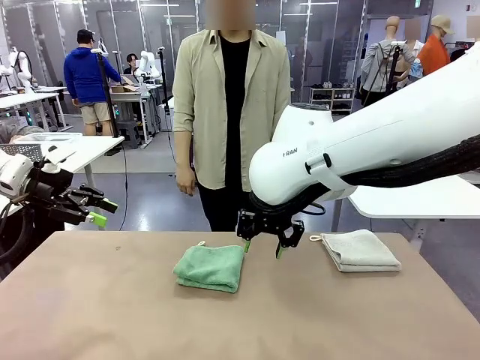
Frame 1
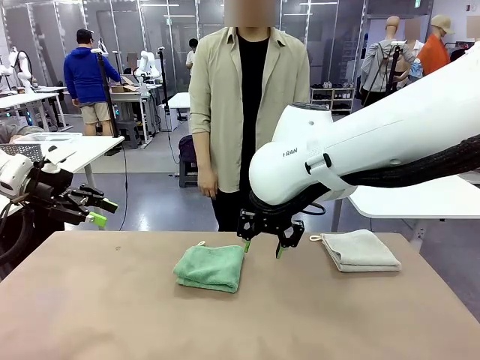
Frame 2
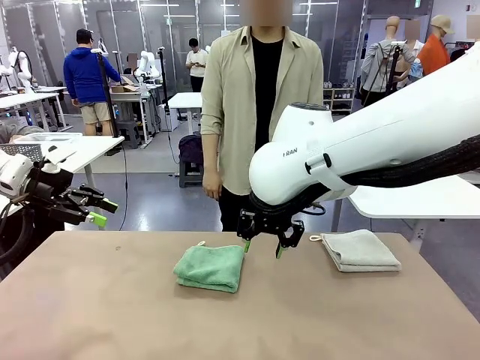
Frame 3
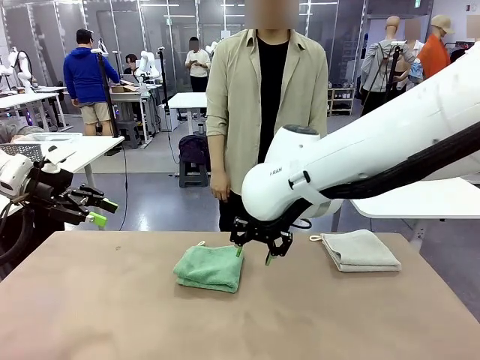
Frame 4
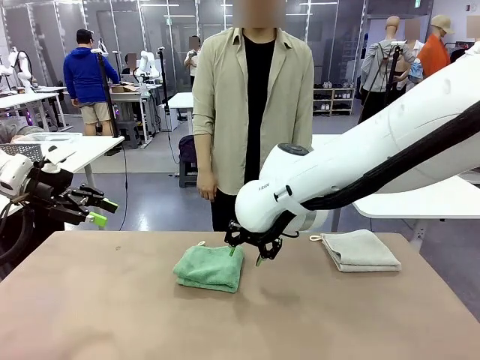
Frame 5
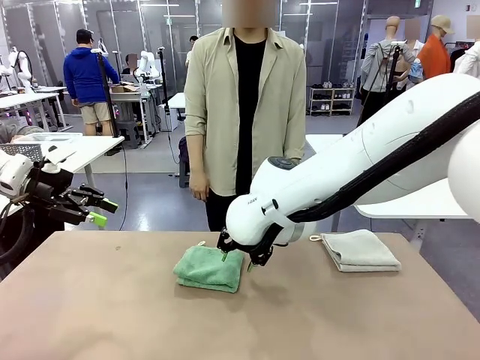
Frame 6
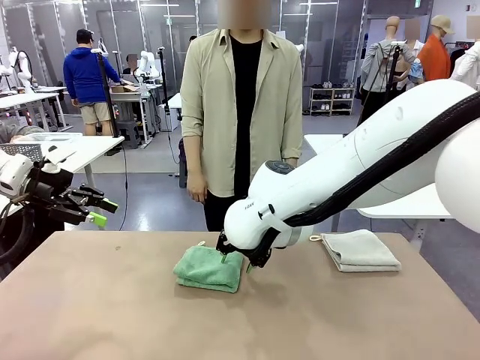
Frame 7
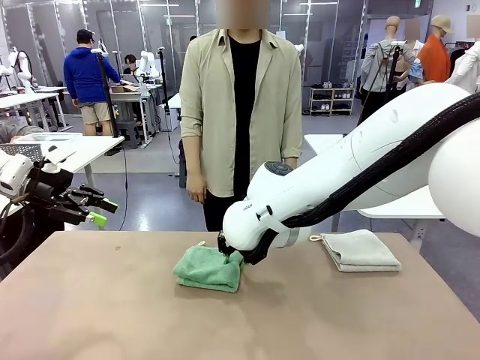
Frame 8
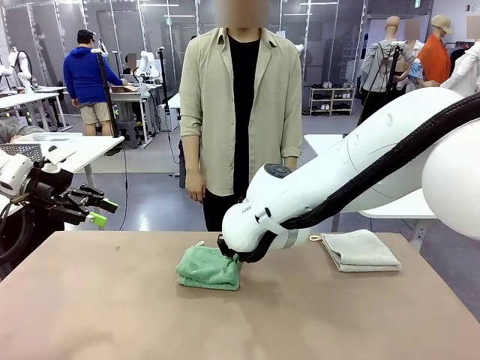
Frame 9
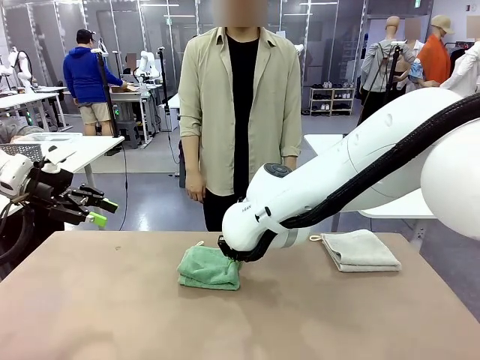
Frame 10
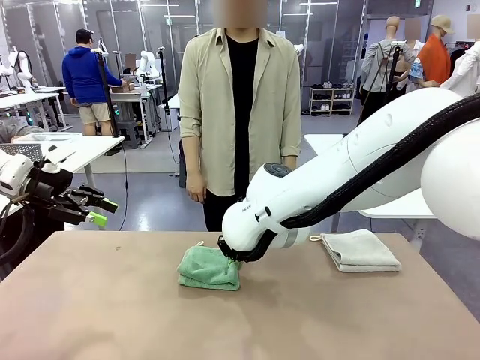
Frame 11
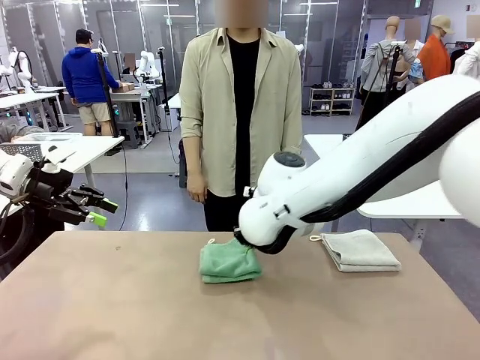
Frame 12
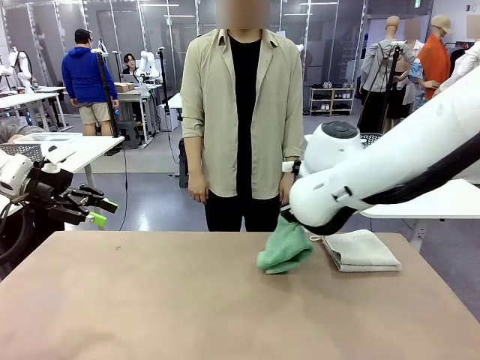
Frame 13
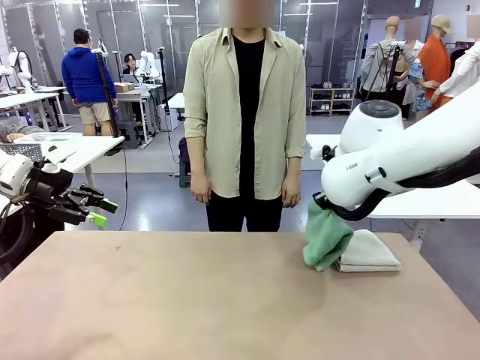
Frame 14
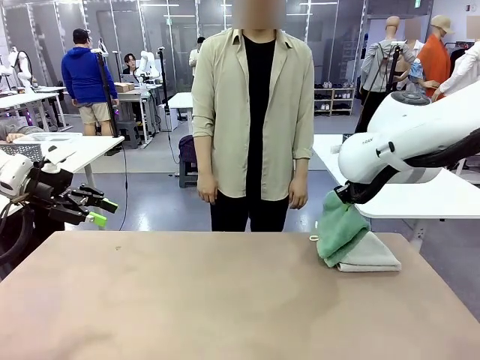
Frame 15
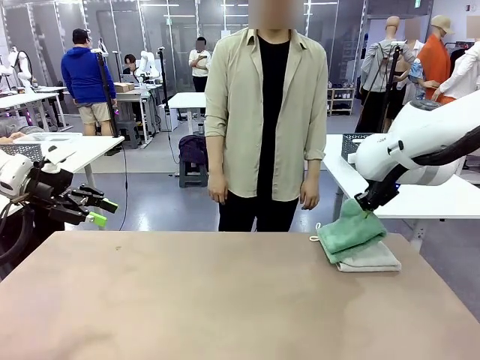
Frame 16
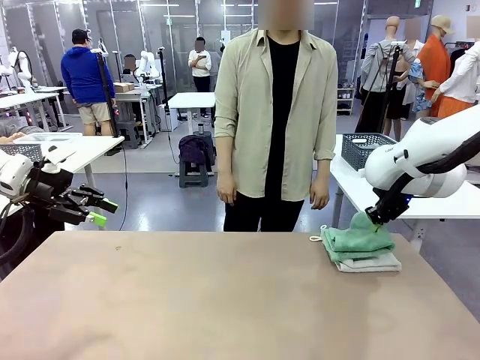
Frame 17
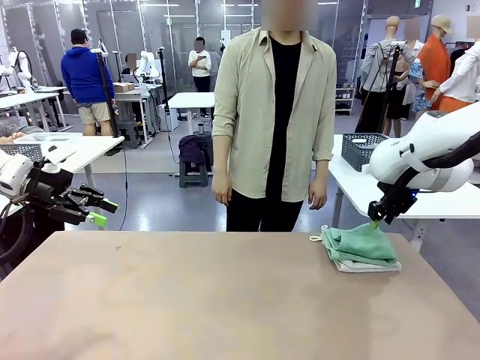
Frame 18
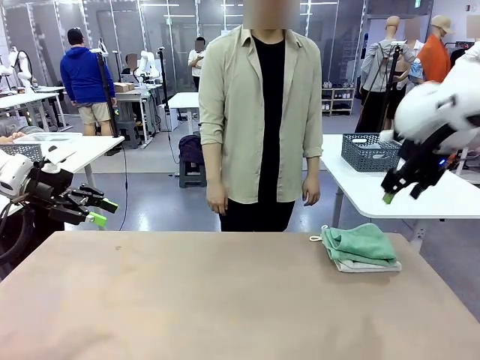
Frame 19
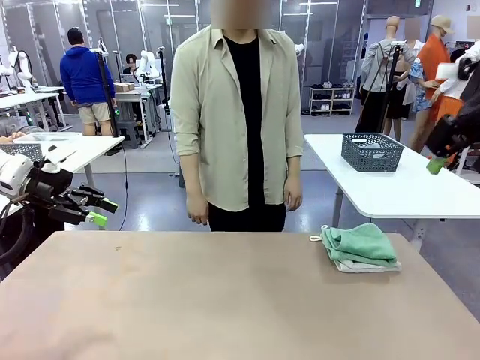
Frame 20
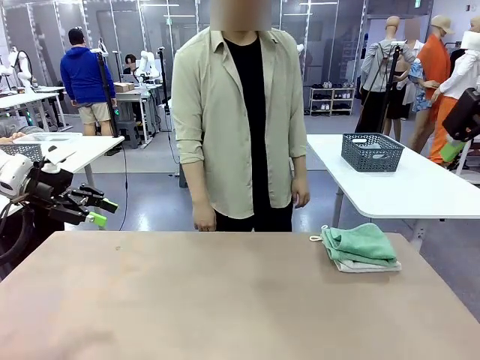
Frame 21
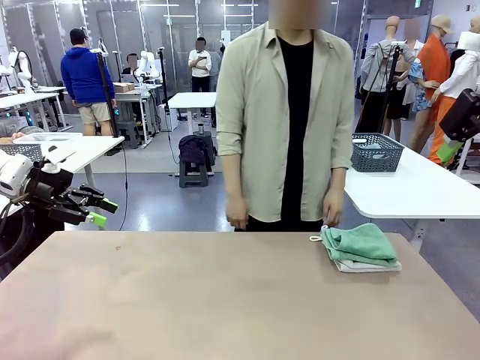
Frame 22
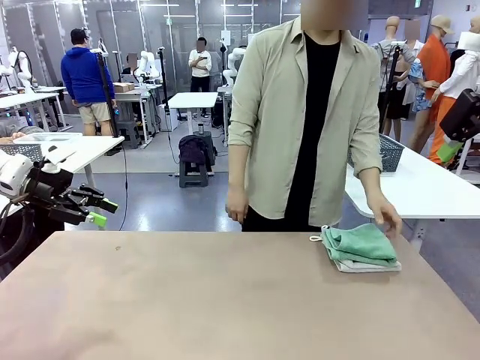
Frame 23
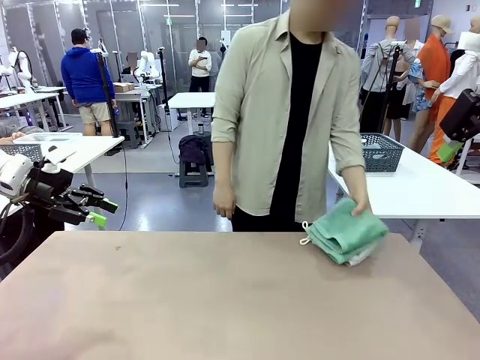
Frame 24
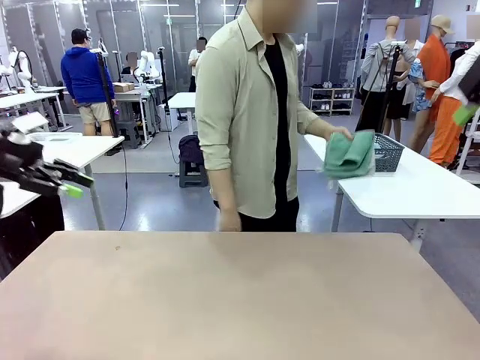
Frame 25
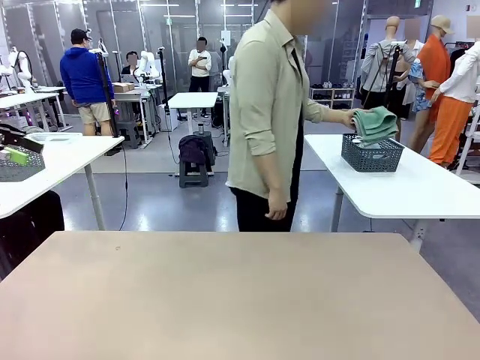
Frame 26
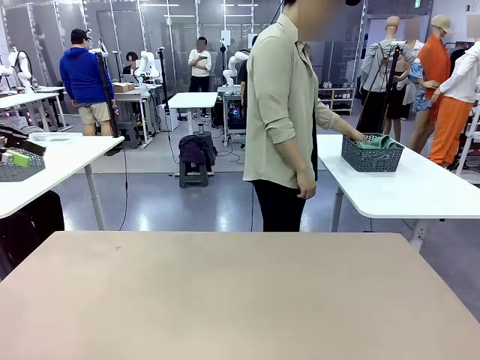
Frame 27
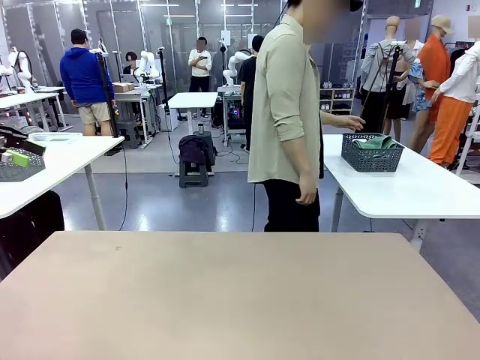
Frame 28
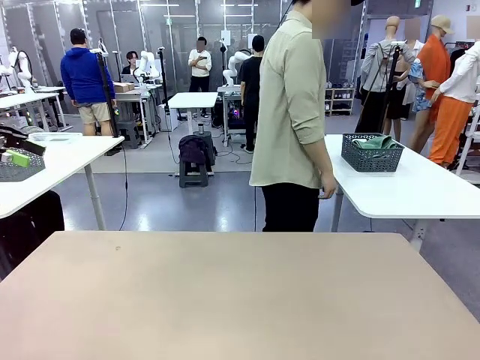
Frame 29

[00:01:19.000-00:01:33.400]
Task: Fold the towels and place them in the basket.
Robot: Stack the folded Towel with hook on the right side of the table.
Person: Pick up the stack of towels from the robot table and place it into the basket.

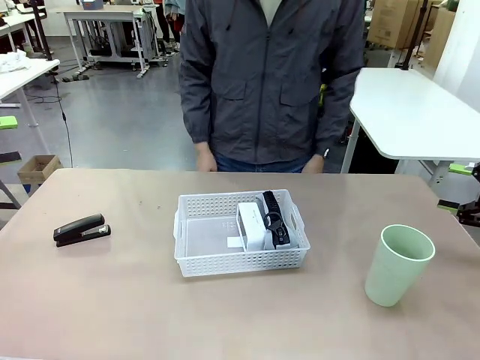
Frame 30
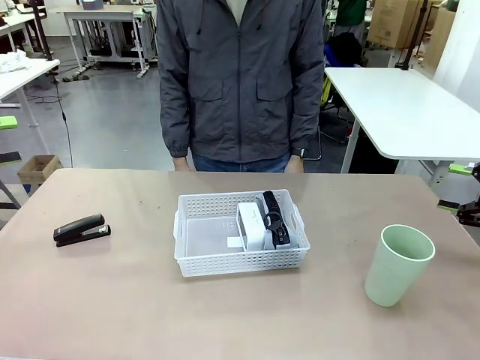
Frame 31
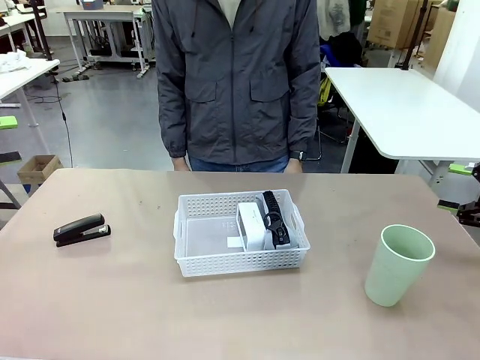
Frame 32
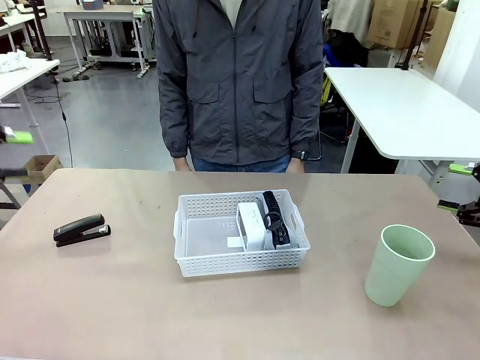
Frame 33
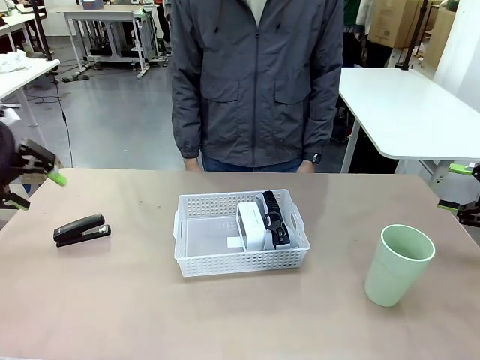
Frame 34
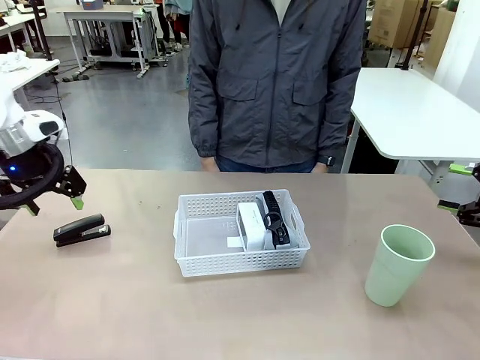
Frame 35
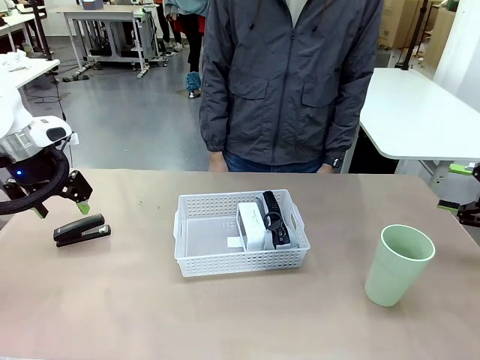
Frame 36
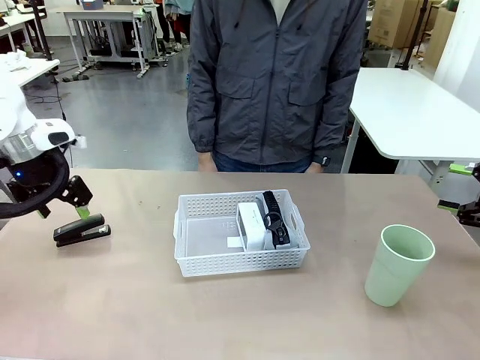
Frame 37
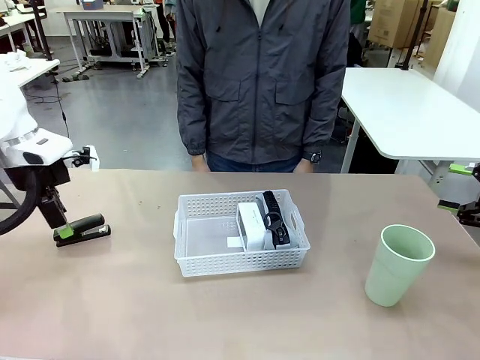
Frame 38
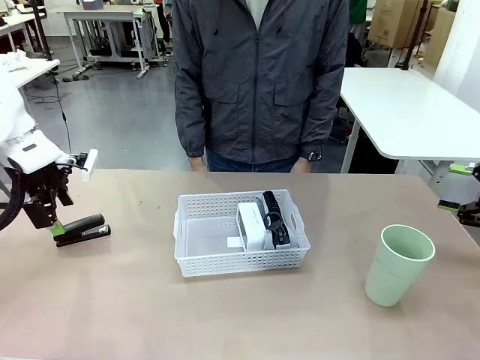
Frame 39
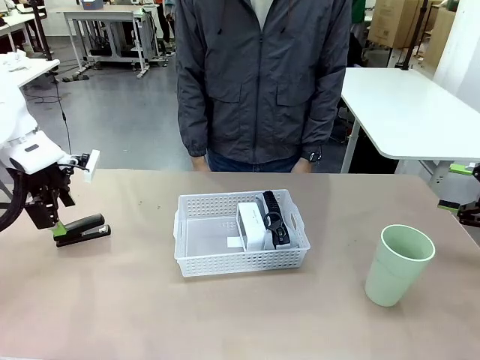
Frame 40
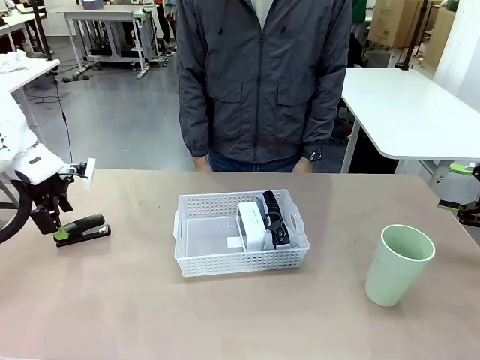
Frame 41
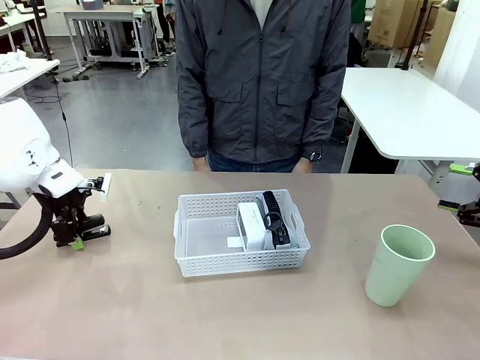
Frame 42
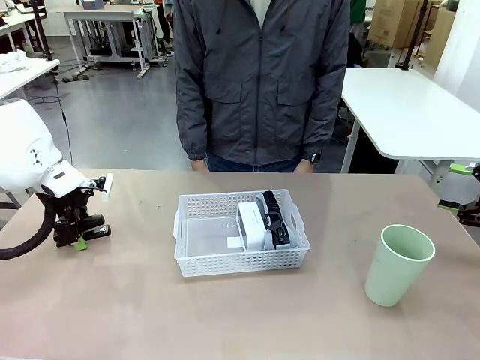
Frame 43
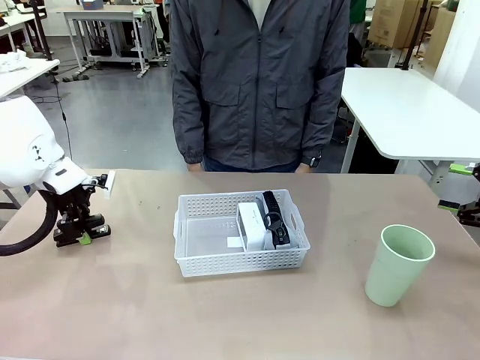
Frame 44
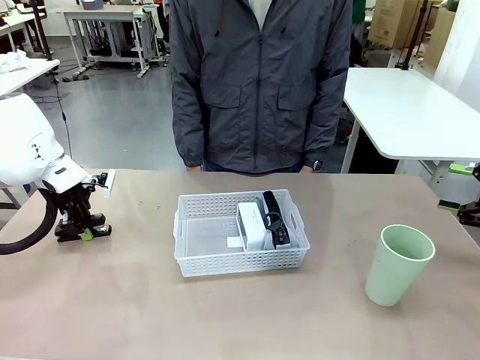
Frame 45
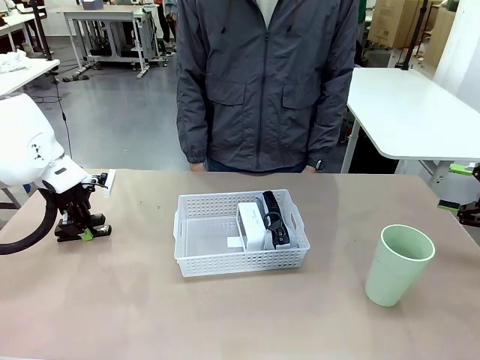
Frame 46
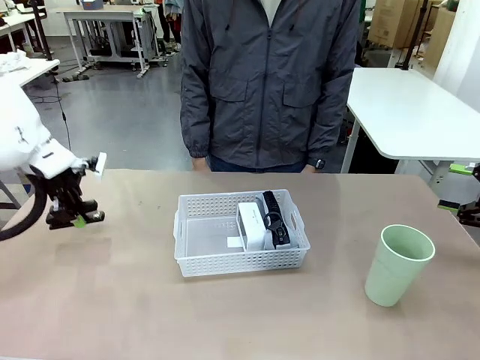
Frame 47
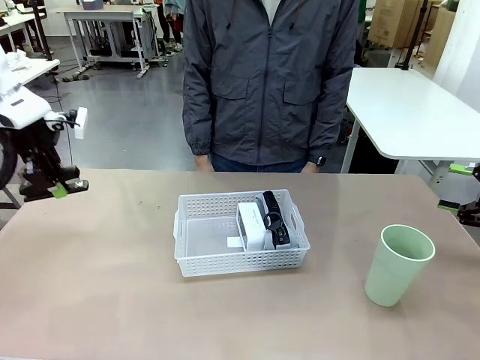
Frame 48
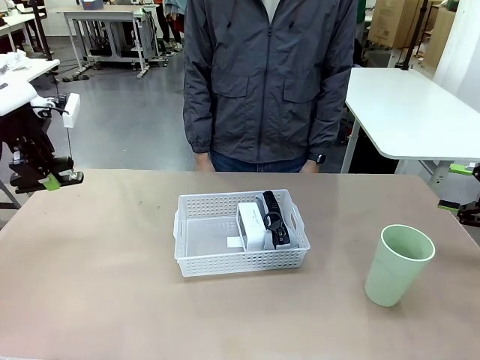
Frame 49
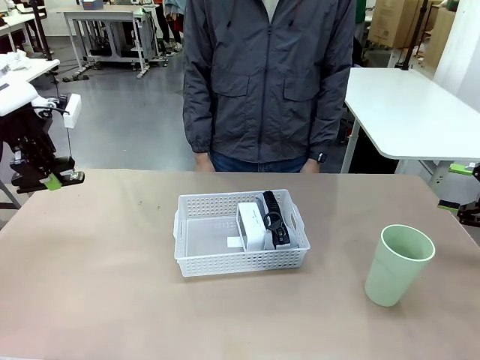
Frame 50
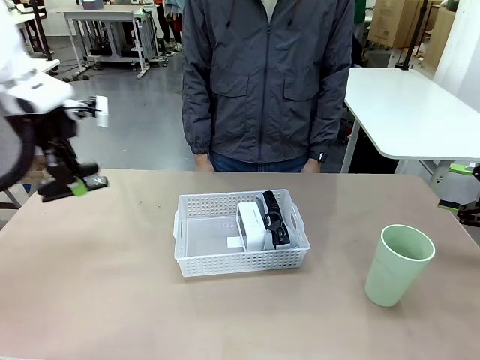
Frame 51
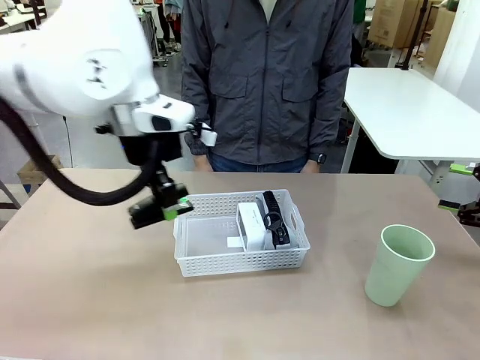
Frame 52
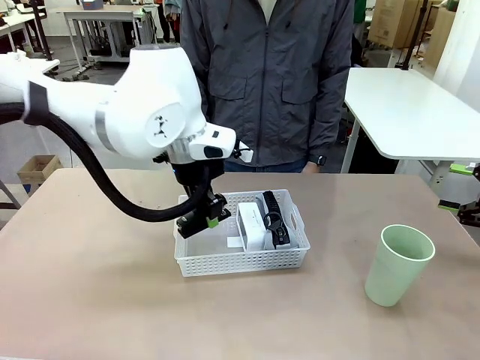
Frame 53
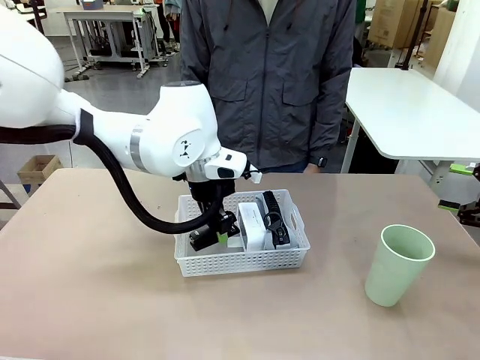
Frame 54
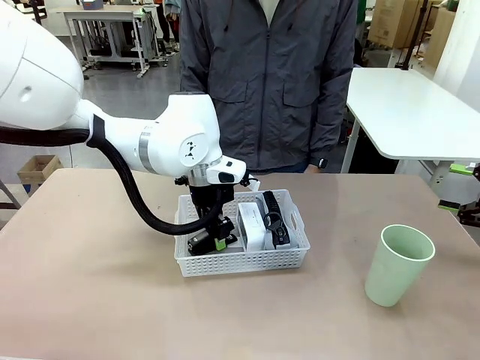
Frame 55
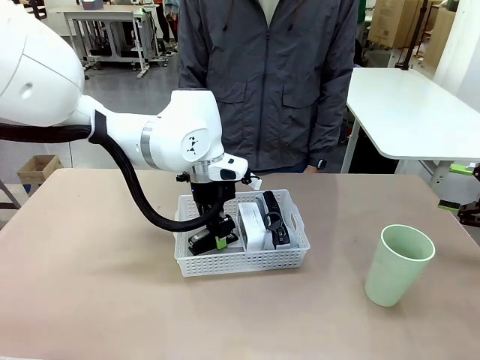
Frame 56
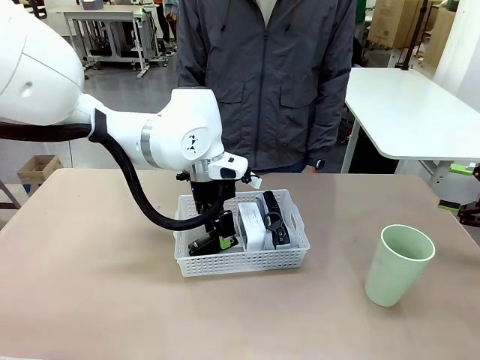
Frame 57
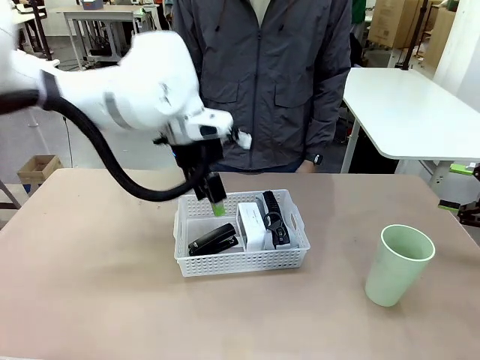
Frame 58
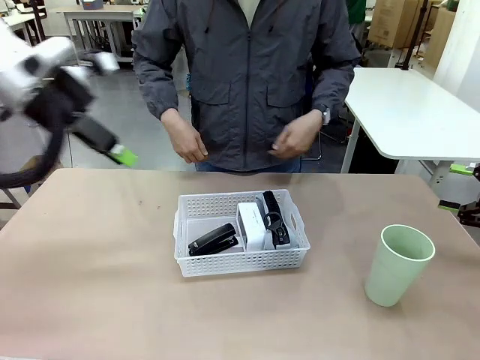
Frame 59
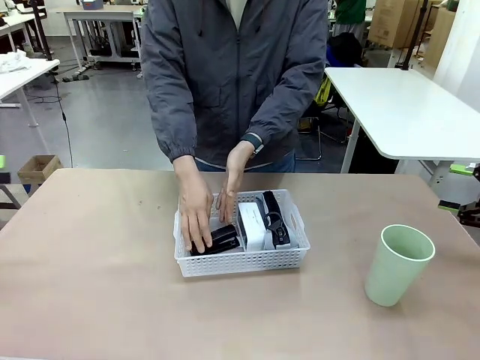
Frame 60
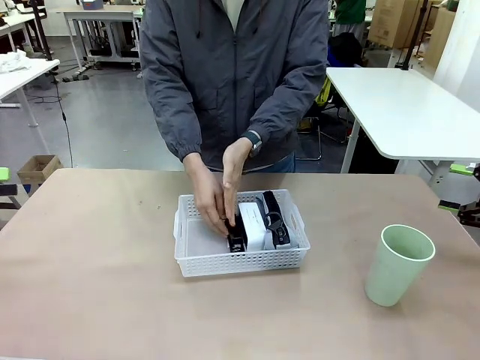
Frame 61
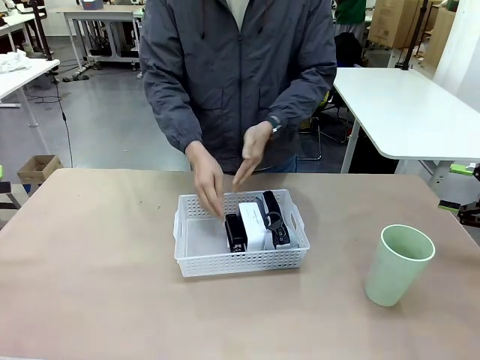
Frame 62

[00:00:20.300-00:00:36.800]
Task: Efficiently arrange items inside the basket to fit them all.
Robot: Pick up the Stapler and place it inside the Organizing basket.
